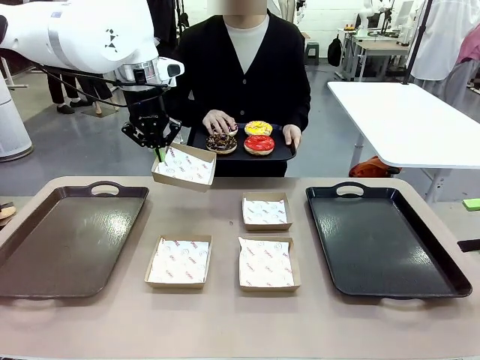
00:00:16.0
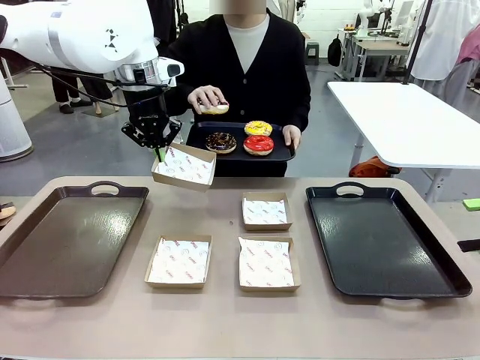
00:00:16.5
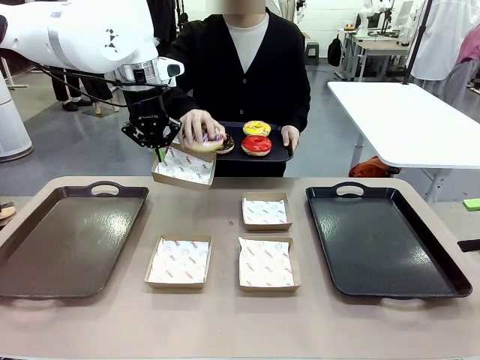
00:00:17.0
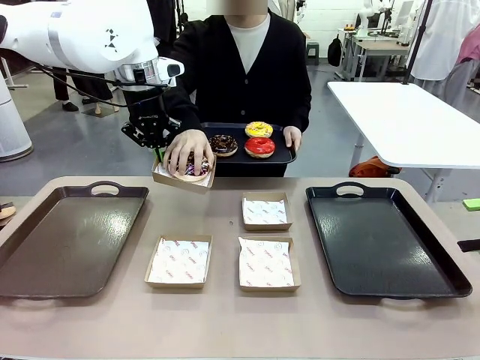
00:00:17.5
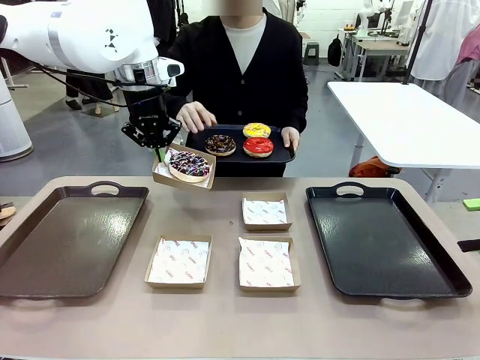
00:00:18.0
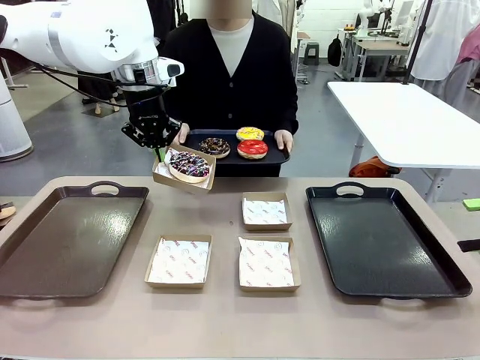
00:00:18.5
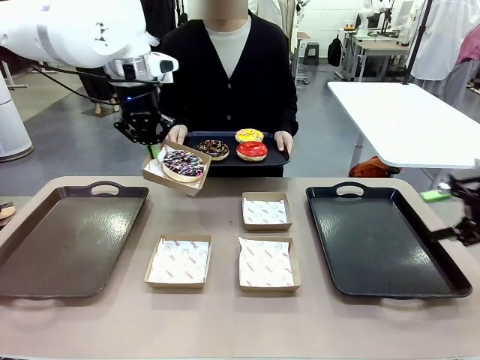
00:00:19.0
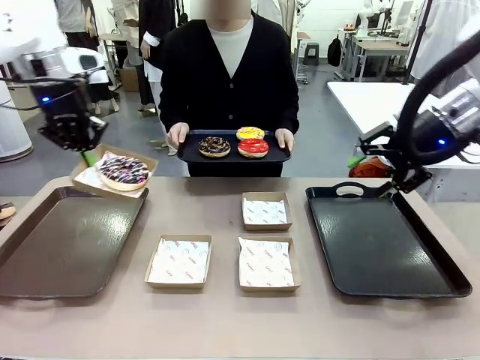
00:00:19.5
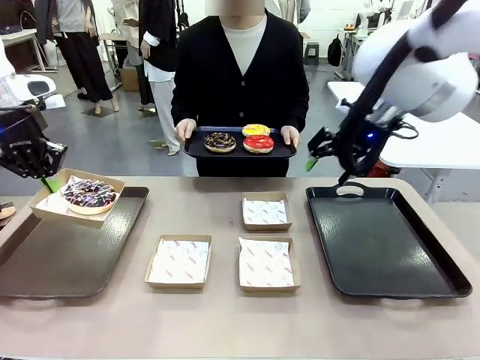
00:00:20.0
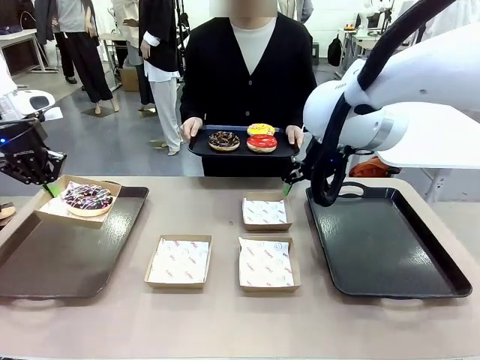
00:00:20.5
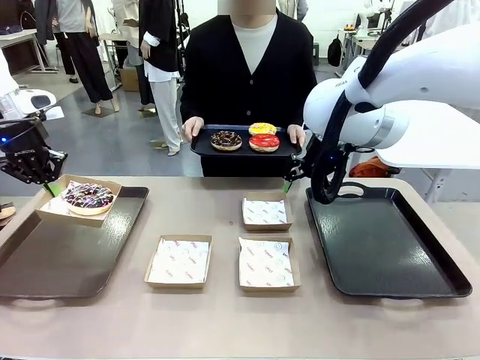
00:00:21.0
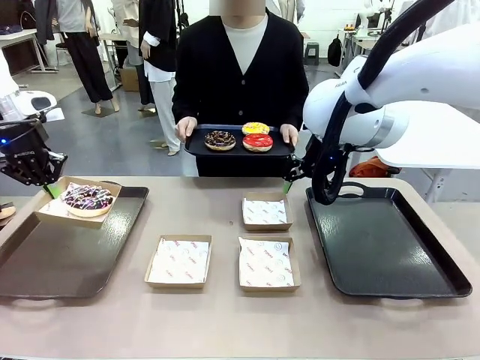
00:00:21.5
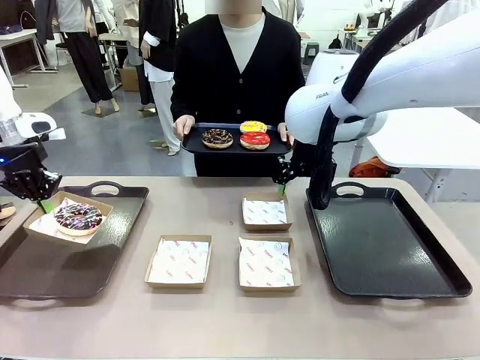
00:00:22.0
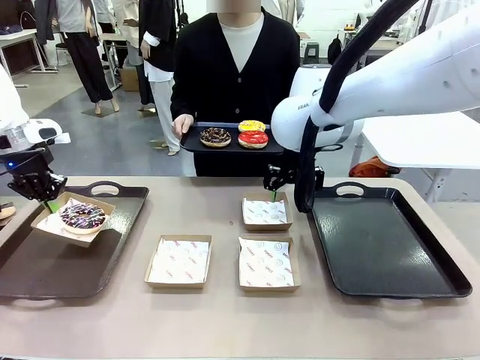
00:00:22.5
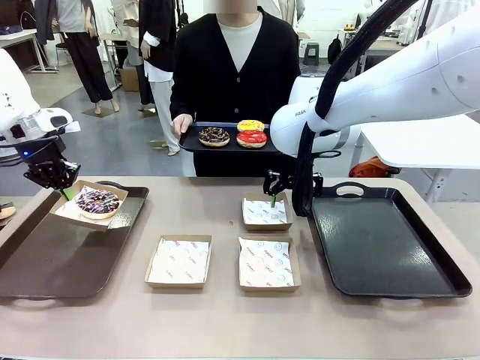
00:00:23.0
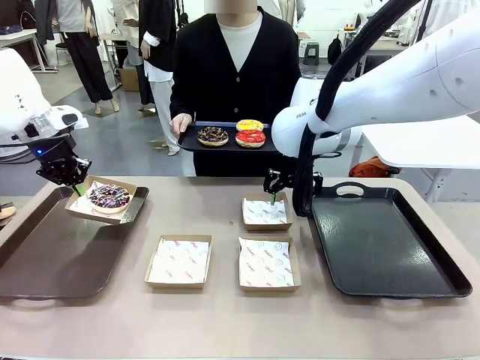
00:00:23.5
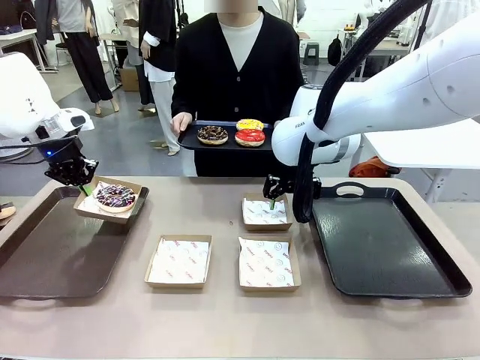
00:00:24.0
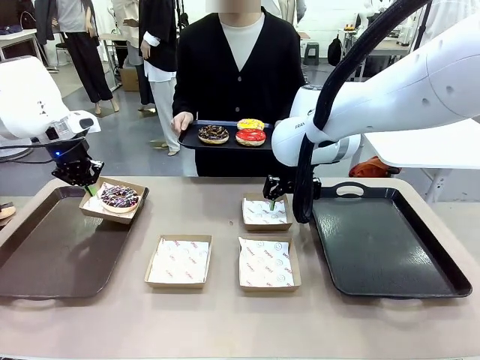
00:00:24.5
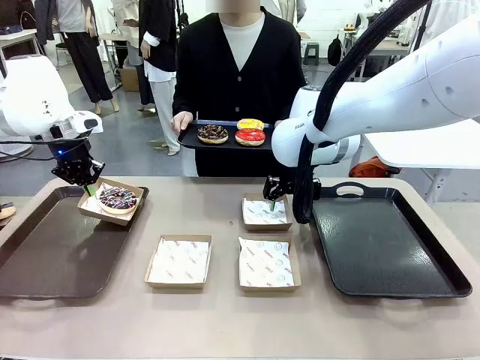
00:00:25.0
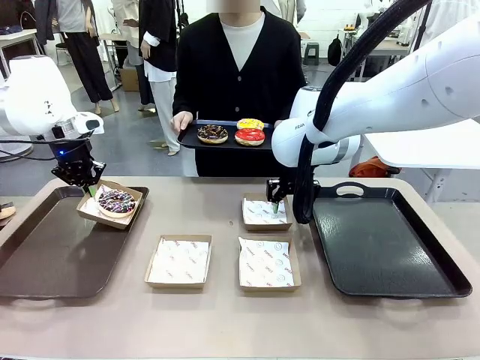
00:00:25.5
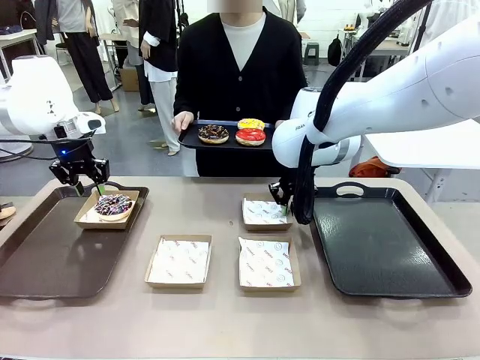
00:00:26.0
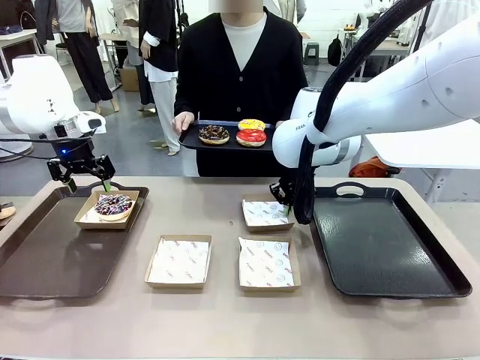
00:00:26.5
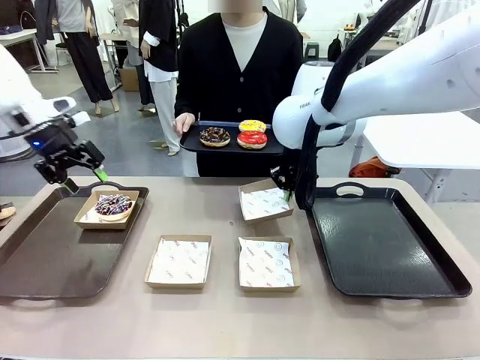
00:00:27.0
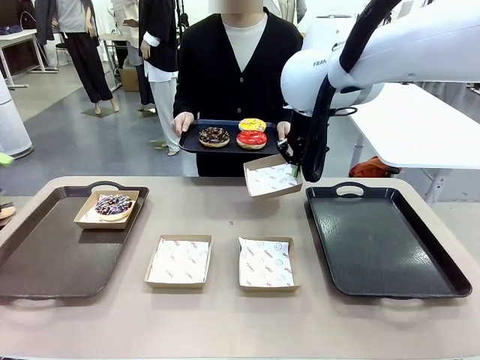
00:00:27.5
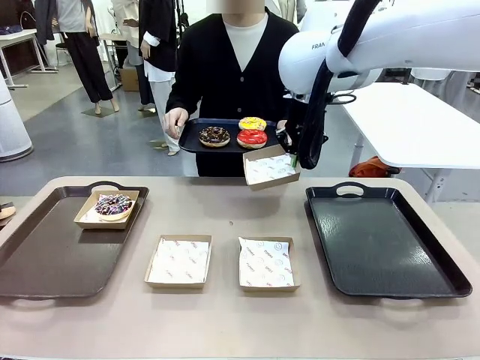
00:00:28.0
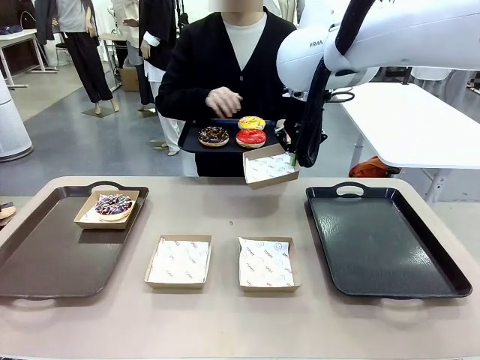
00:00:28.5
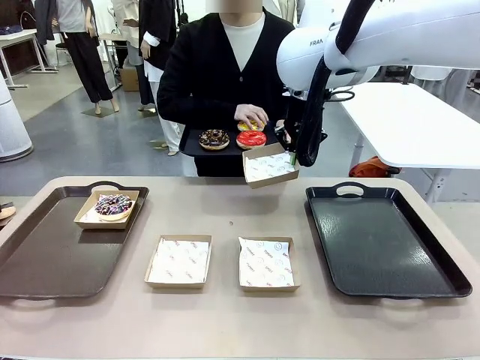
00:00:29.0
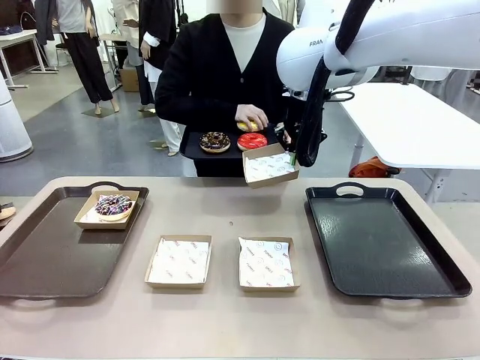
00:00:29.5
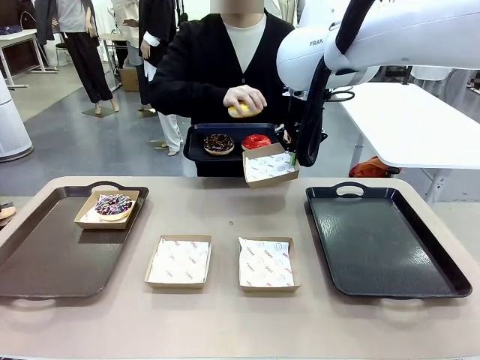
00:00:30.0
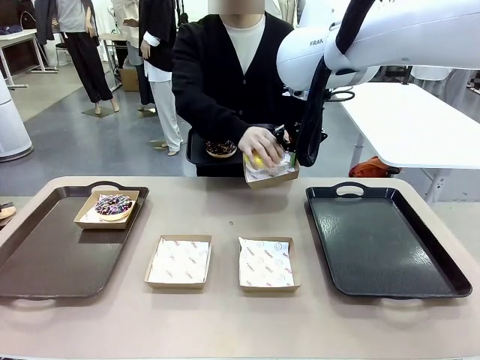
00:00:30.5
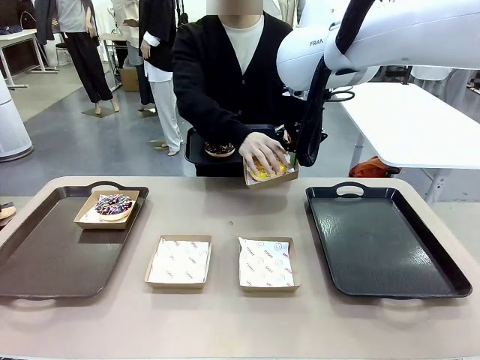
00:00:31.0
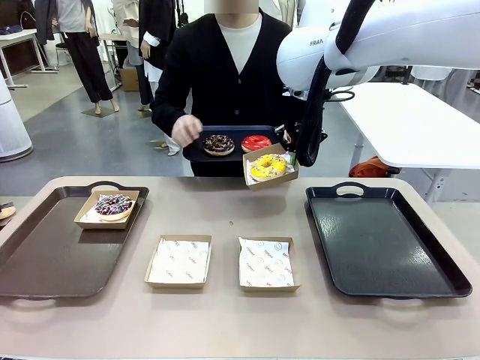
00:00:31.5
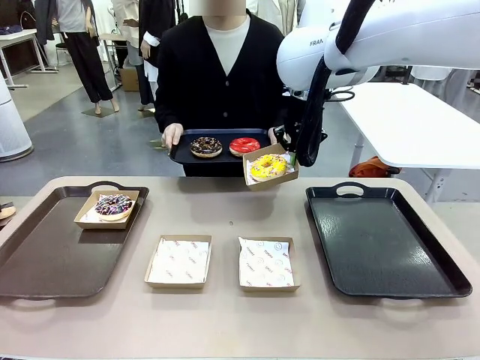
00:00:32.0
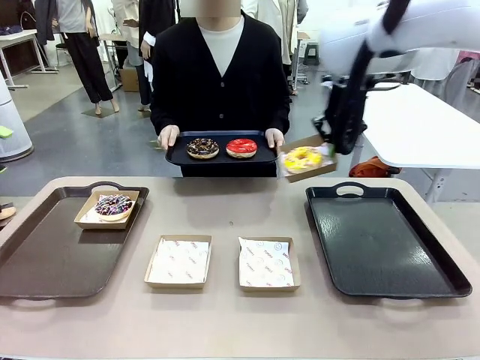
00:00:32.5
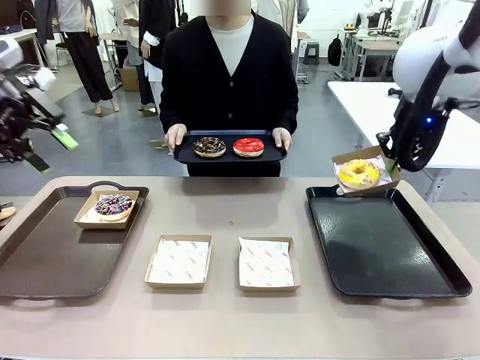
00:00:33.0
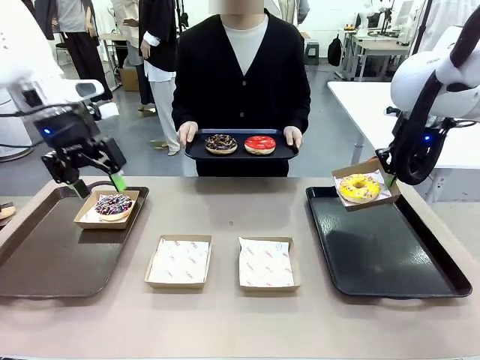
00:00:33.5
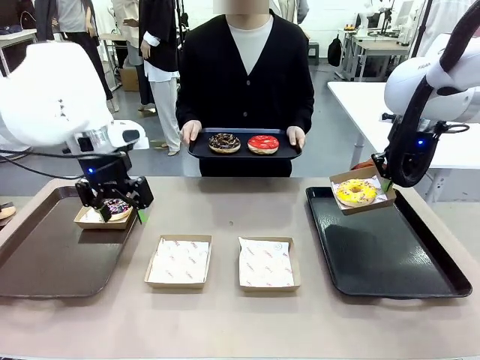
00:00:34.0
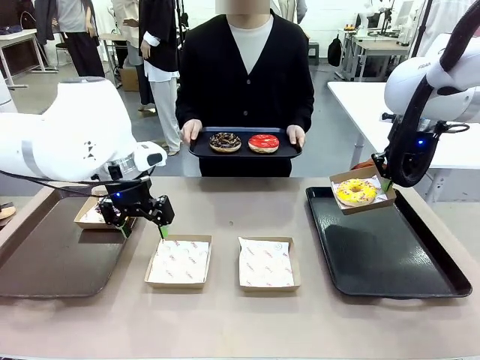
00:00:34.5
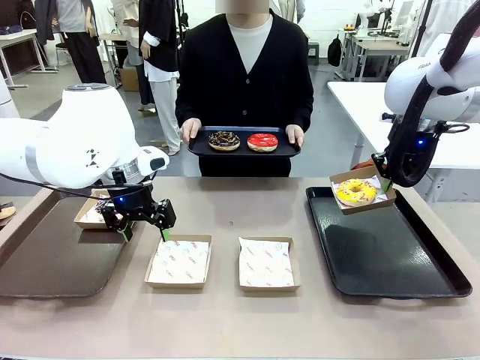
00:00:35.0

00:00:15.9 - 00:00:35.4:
Task: Individually package the donuts and arrange them on the tray.
Robot: Place the picked Paper togo box on the Handle tray while simultaneously picking up another Paper togo box from the table with the other hand.

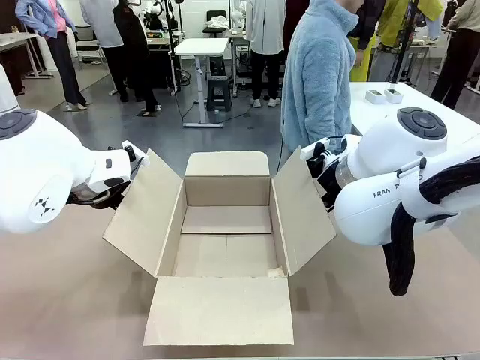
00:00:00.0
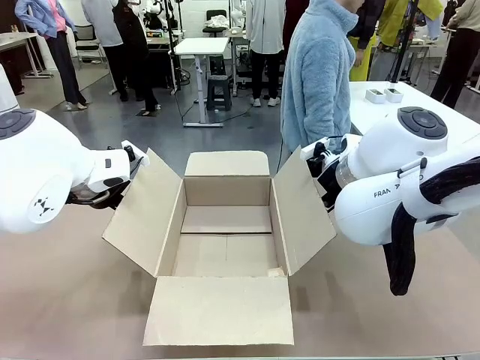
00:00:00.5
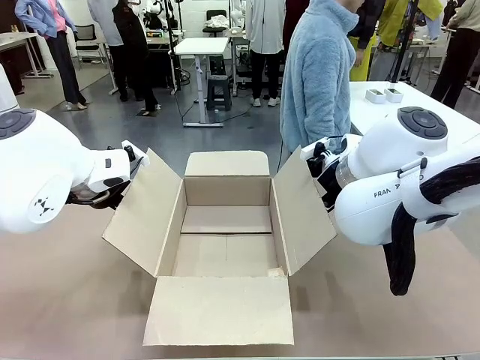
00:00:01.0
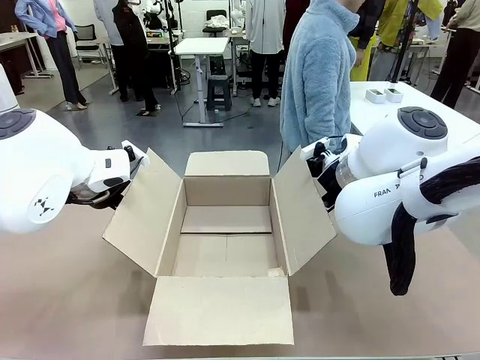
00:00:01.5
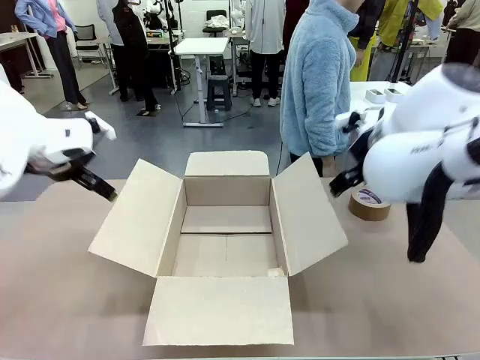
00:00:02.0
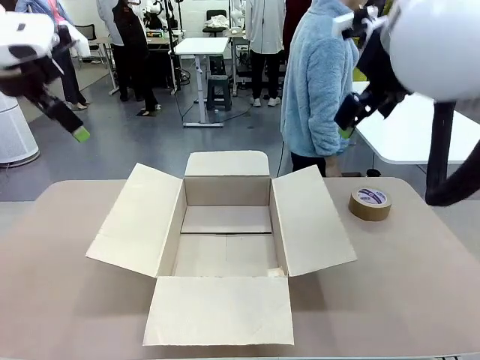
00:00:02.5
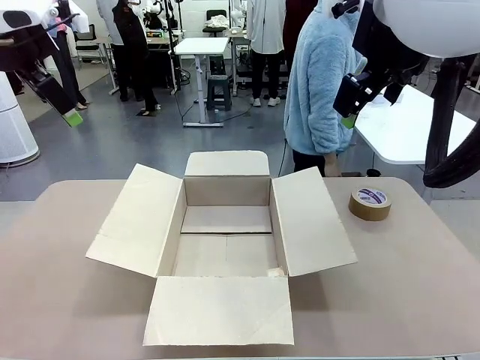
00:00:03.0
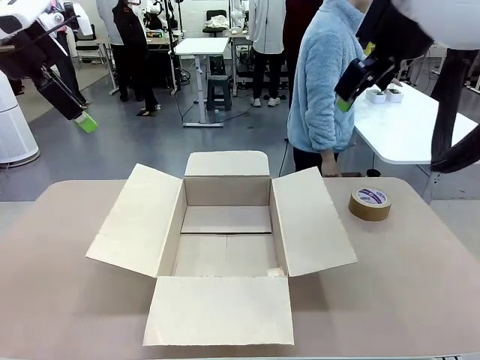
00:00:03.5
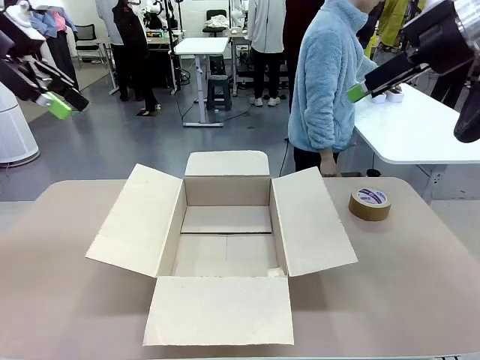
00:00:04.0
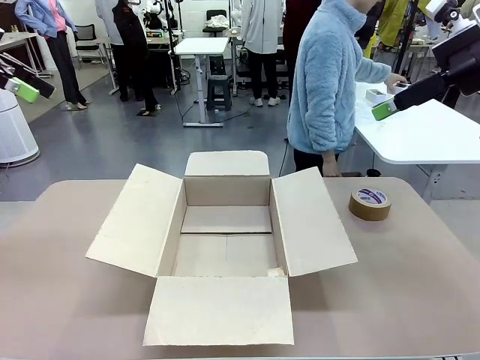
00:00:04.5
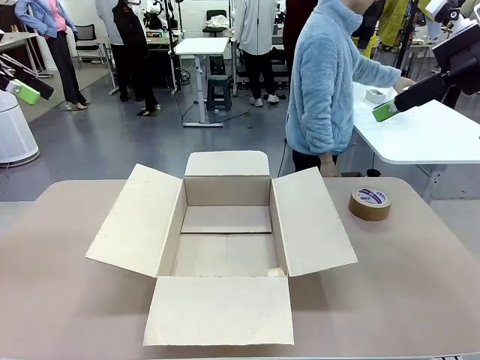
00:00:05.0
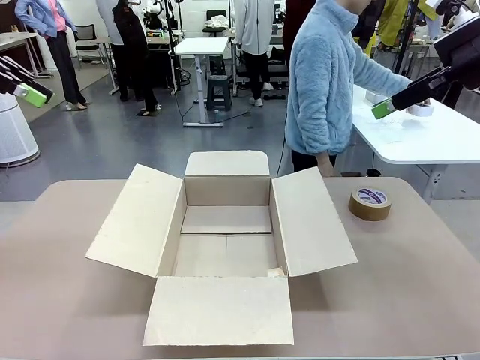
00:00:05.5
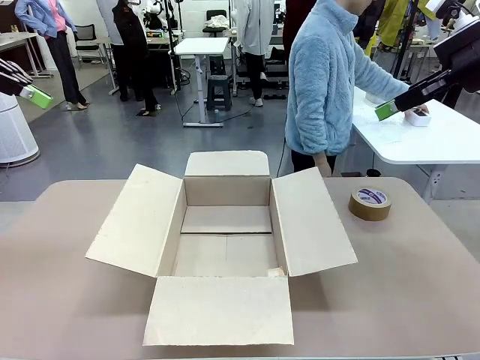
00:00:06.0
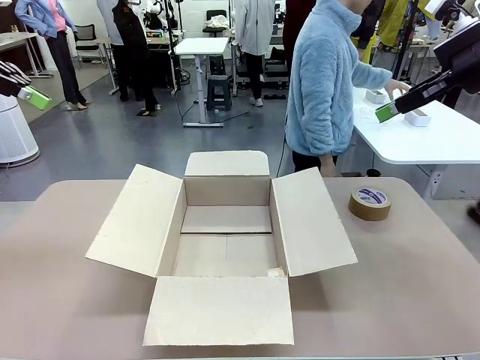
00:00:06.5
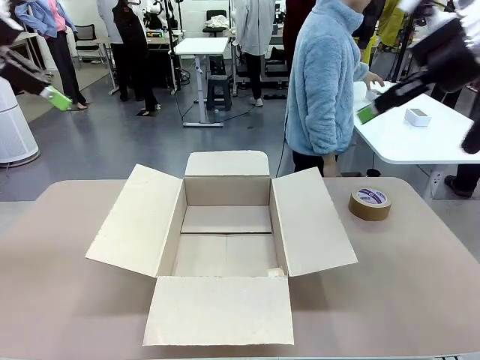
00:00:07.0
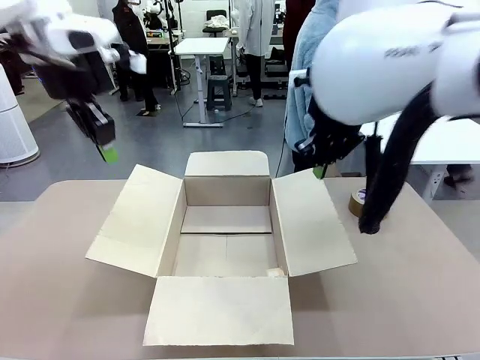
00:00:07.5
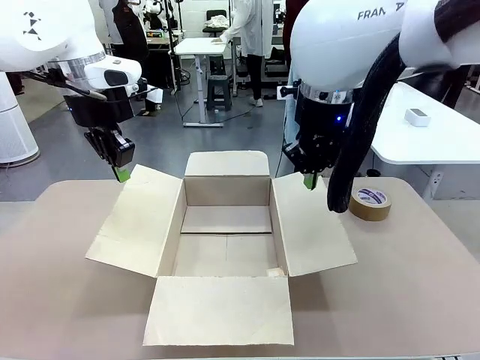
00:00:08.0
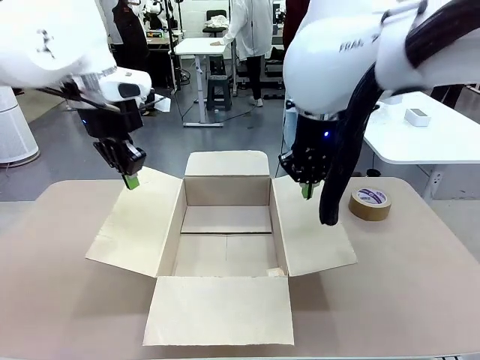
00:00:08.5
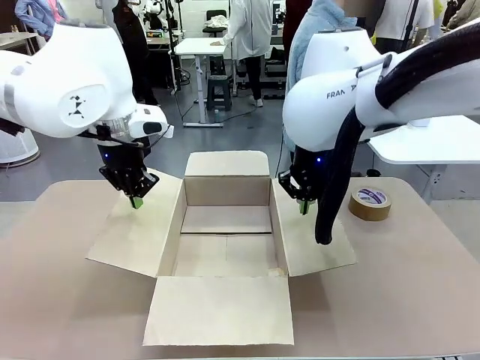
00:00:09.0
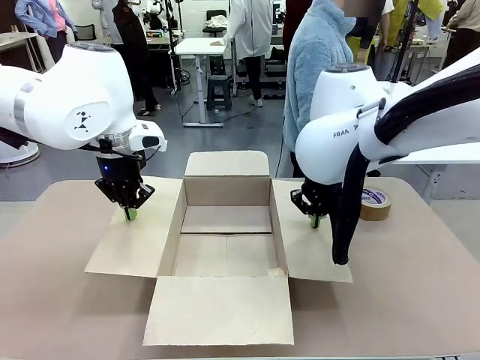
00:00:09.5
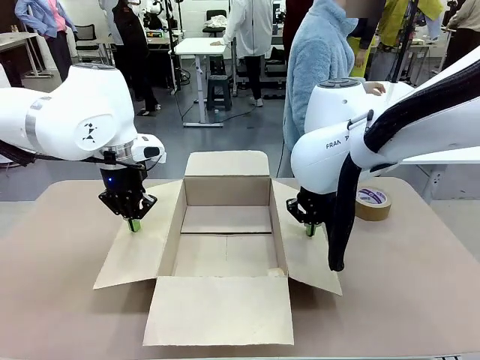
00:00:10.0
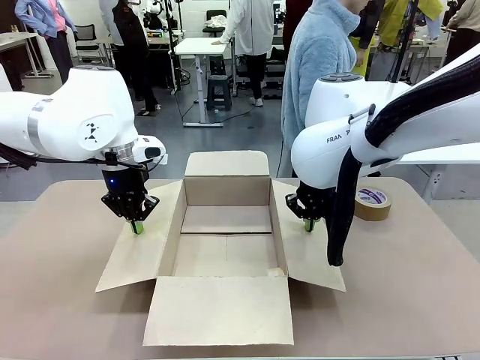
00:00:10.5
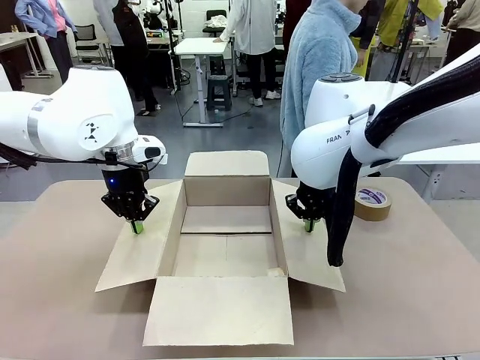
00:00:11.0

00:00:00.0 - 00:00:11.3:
Task: Wrap the clocks to prevent damage.
Robot: Open the side flaps of the Package Box.
